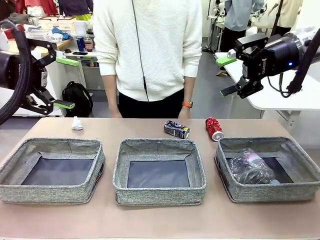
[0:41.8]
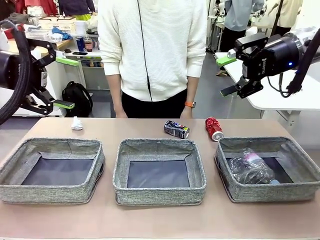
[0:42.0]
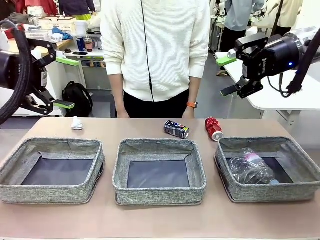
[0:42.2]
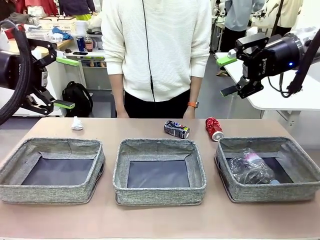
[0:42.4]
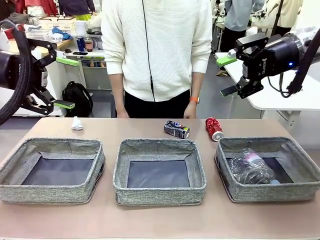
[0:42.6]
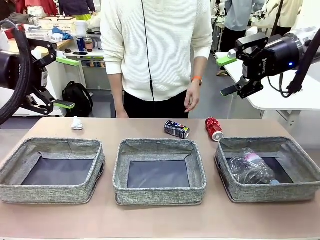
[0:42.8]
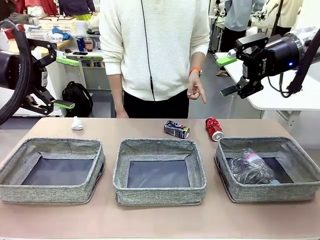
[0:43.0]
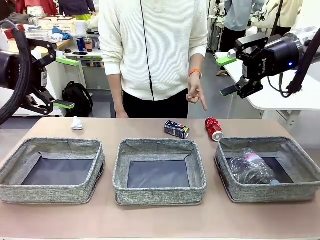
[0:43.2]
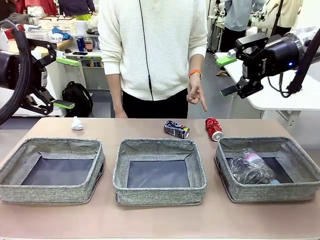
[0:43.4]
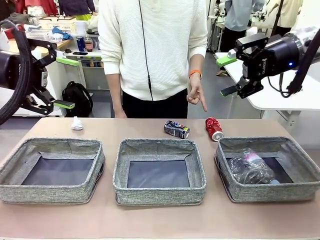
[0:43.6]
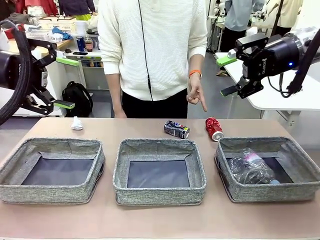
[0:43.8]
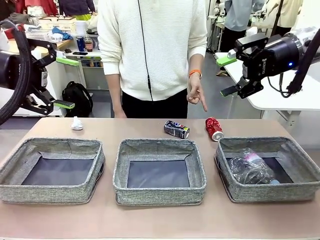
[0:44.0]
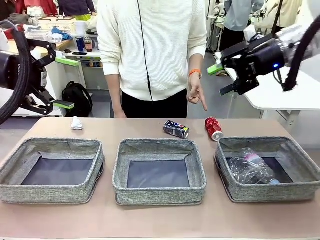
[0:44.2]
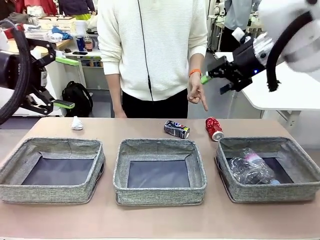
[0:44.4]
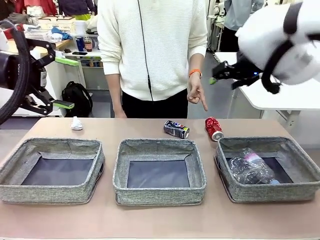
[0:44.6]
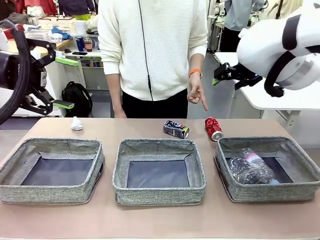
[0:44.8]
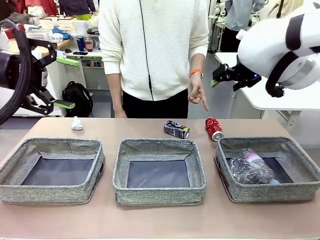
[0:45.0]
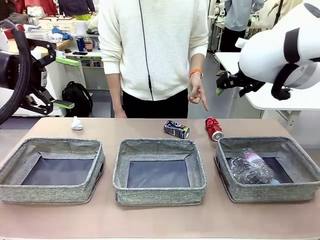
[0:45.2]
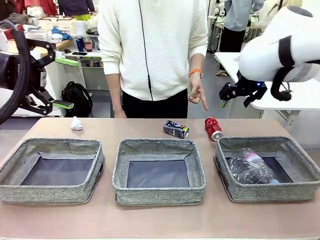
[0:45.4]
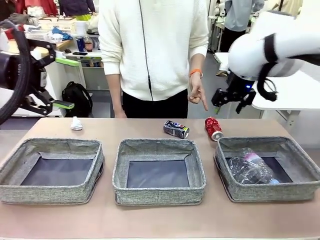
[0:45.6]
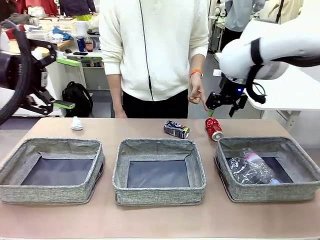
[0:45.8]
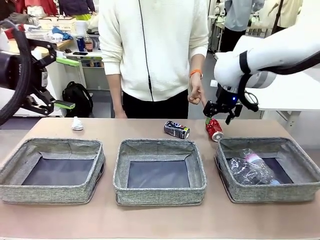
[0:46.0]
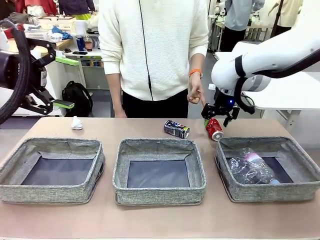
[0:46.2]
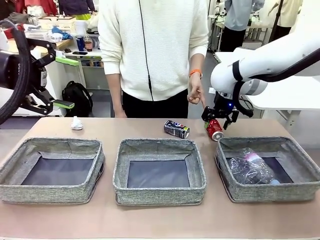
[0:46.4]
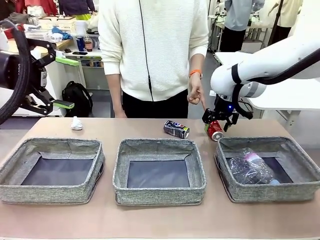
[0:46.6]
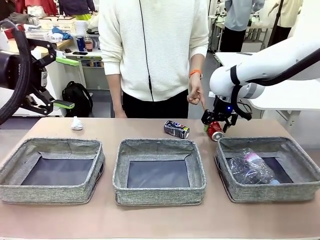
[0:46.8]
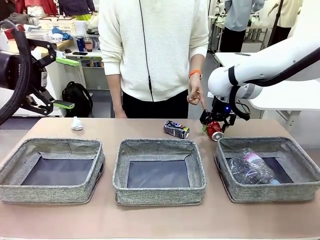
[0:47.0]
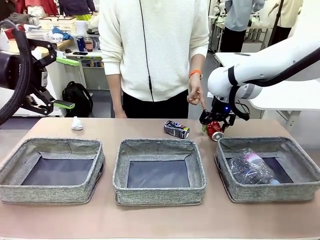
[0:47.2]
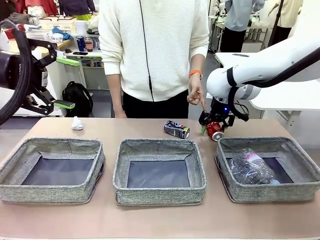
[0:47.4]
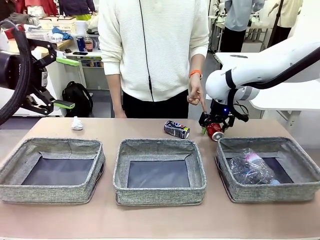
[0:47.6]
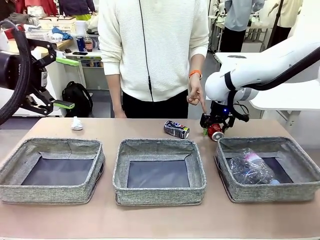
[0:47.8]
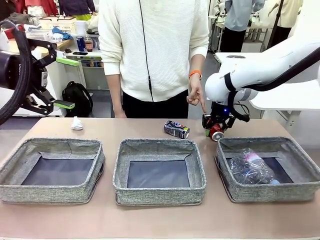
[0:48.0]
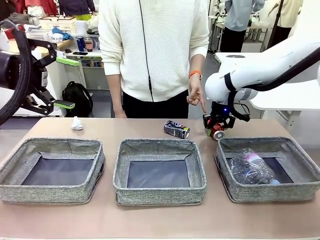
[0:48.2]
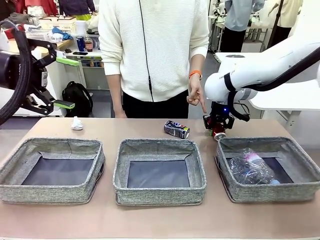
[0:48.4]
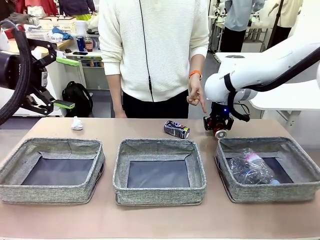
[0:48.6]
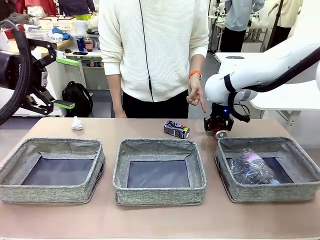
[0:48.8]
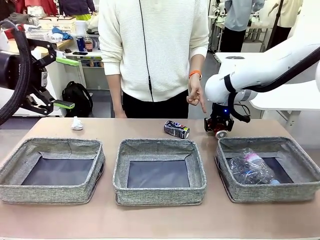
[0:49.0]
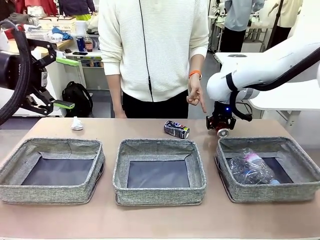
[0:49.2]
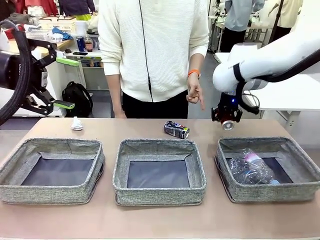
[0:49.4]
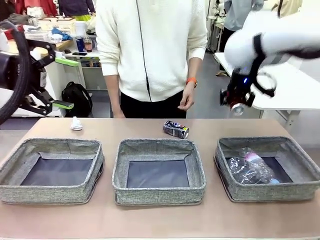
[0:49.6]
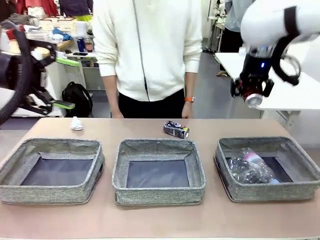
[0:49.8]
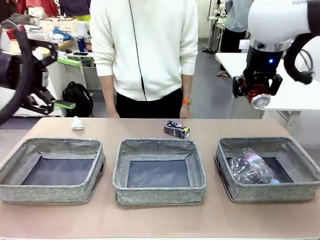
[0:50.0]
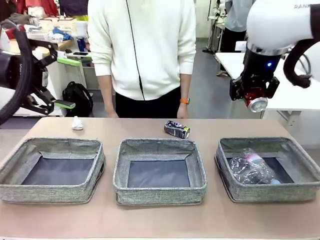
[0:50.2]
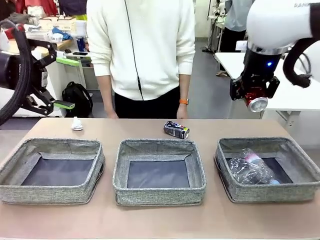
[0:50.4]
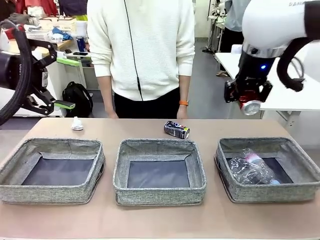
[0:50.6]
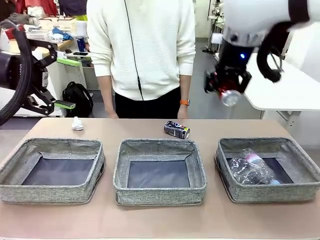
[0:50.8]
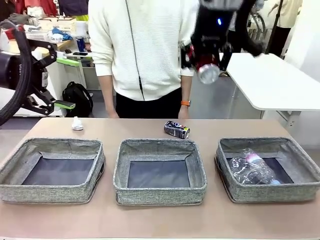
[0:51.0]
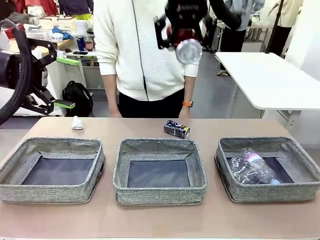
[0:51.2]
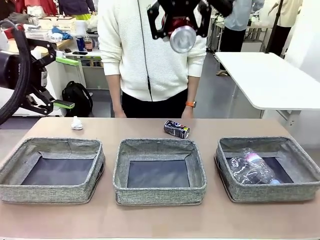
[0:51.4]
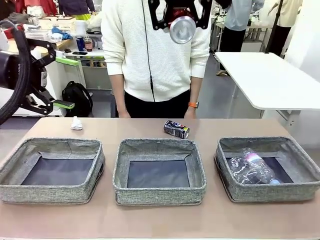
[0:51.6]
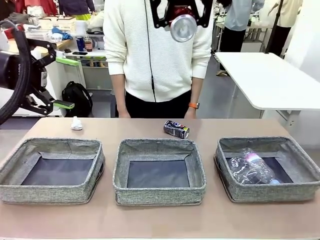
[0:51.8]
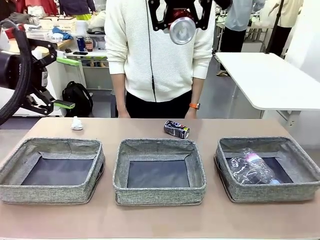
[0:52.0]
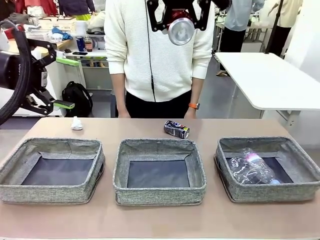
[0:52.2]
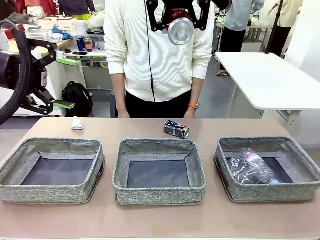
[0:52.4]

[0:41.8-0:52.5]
Task: Sort the waste into the appropriate baskets.
Robot: Pick up the waste item pointed out by the person.
Person: Points to one piece of trash on the table.

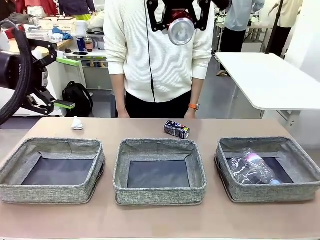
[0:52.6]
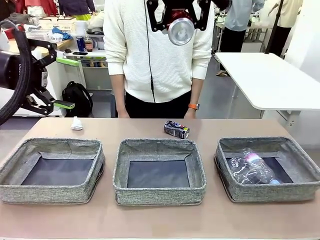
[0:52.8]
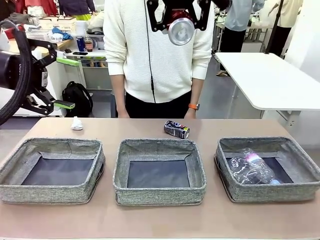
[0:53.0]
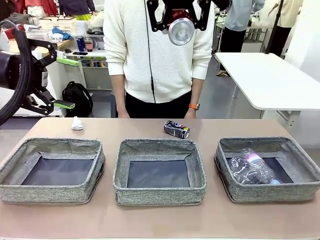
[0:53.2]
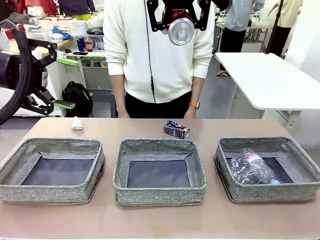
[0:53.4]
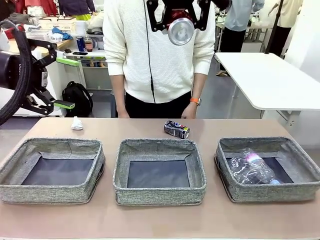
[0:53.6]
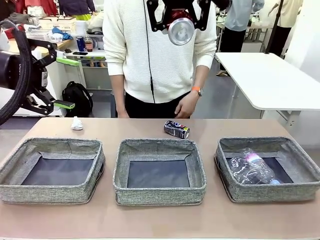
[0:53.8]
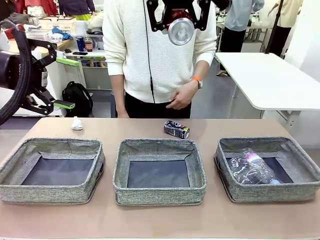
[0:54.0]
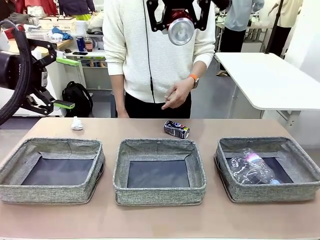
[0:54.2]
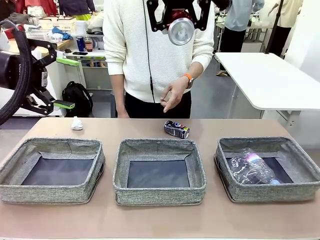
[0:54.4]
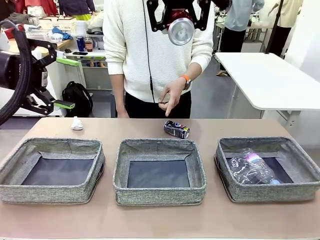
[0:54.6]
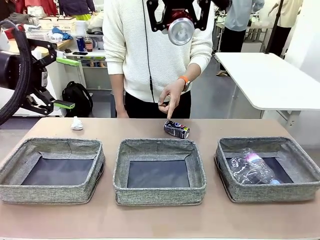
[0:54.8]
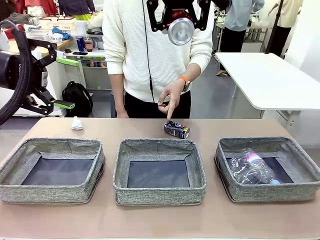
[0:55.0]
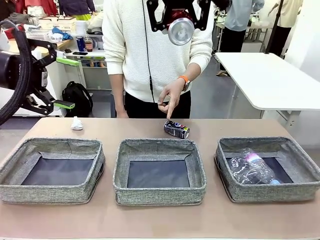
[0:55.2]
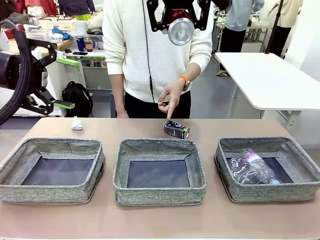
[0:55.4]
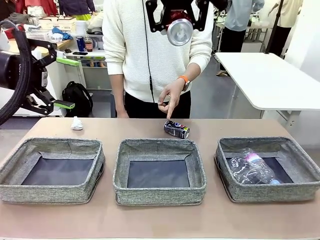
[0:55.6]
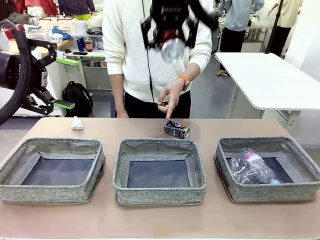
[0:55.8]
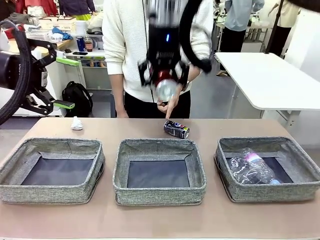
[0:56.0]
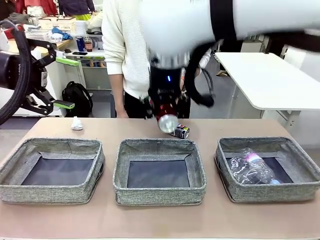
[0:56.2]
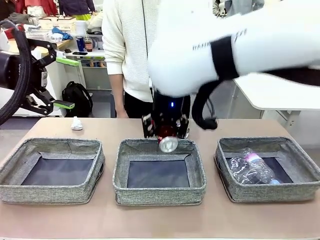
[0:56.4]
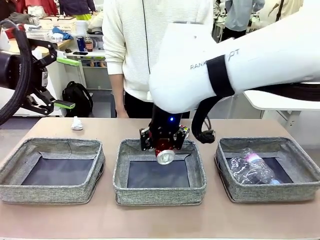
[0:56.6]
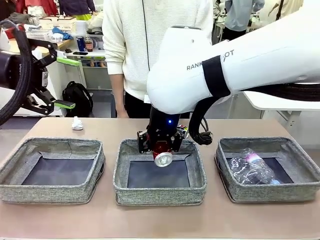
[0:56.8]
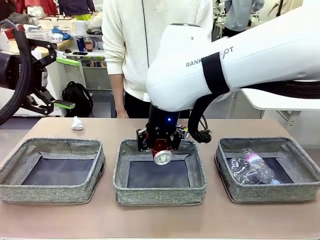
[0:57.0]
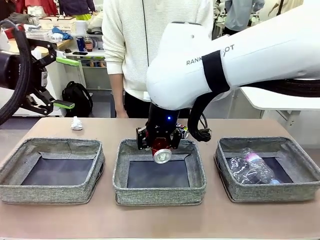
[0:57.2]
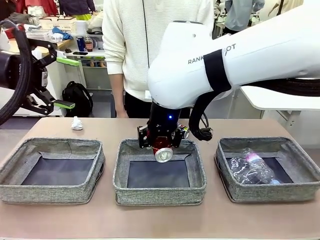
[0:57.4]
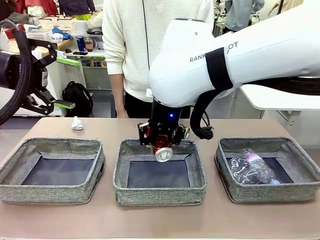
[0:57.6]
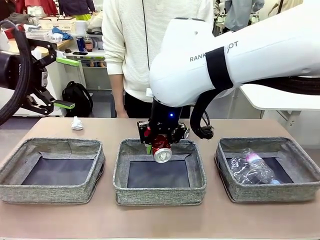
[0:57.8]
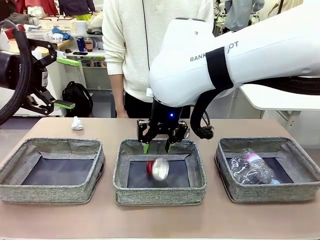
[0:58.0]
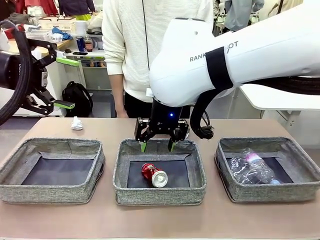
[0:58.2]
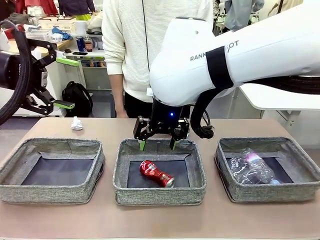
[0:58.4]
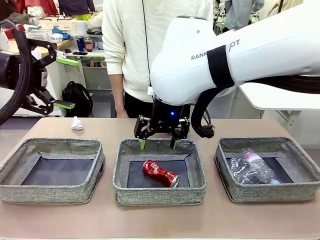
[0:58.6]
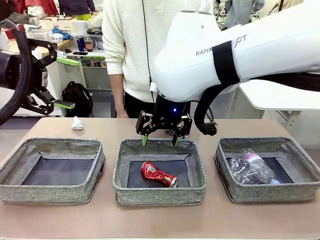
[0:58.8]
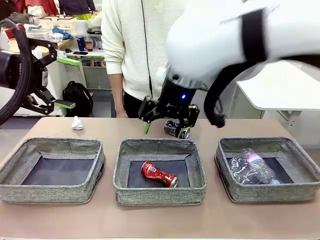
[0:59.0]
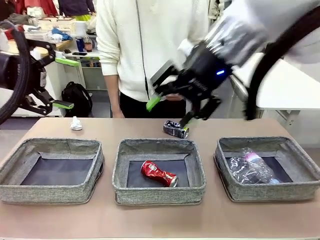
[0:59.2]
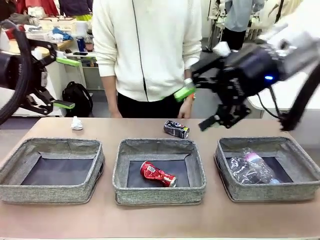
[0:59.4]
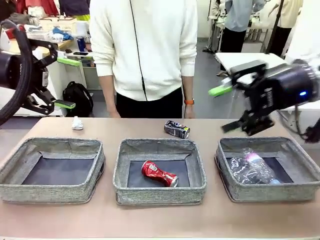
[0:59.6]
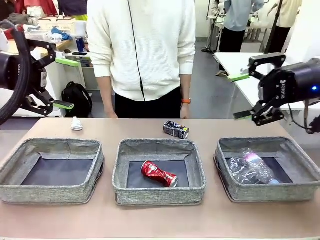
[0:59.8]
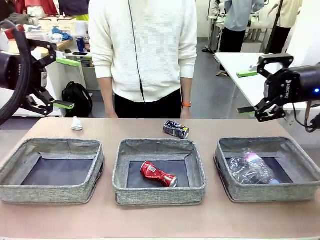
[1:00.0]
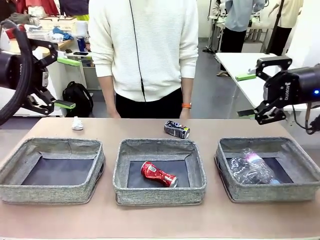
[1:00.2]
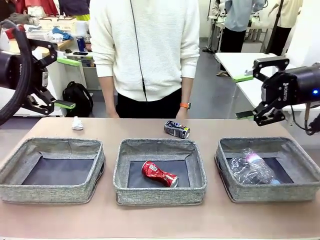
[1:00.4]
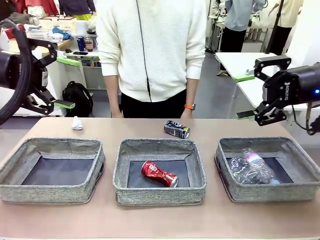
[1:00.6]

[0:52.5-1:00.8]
Robot: Place the picked waste into the Fabric basket indicated by the person.
Person: Instructs the robot to place the picked-up trash into the appropriate organizing basket.

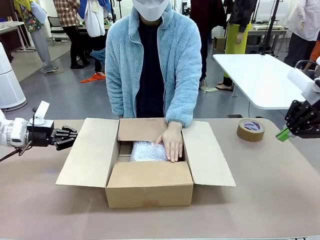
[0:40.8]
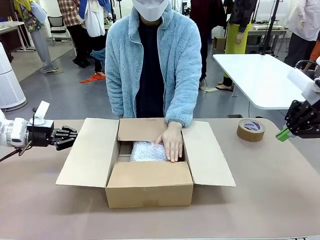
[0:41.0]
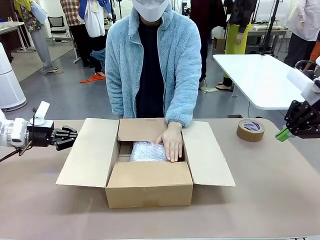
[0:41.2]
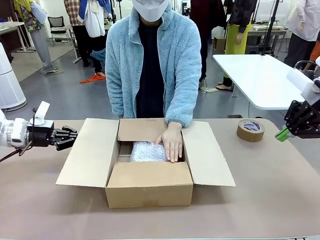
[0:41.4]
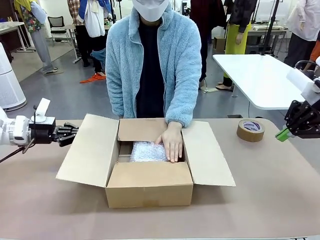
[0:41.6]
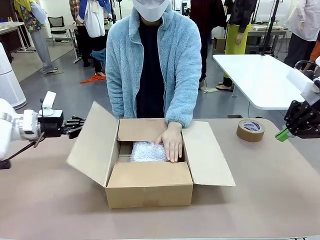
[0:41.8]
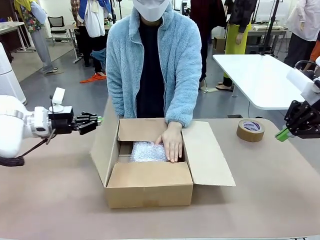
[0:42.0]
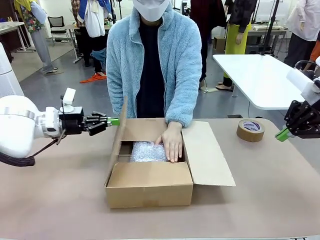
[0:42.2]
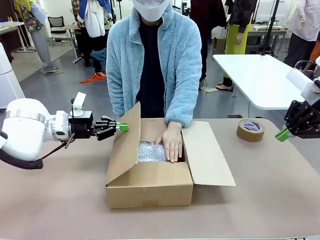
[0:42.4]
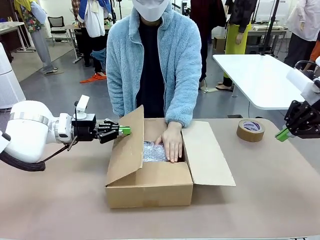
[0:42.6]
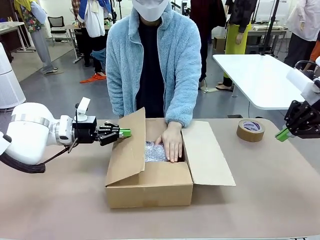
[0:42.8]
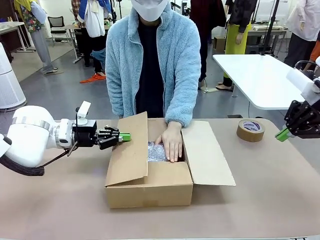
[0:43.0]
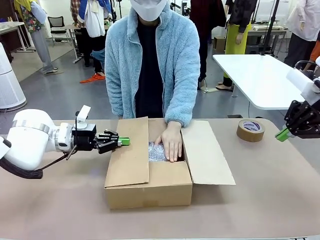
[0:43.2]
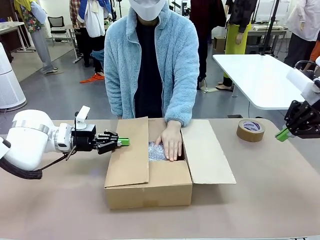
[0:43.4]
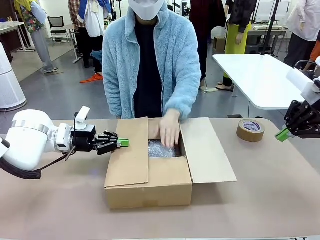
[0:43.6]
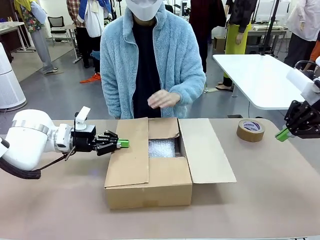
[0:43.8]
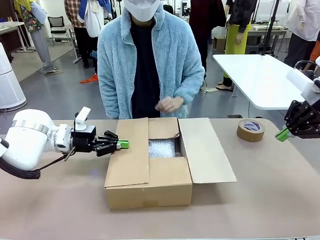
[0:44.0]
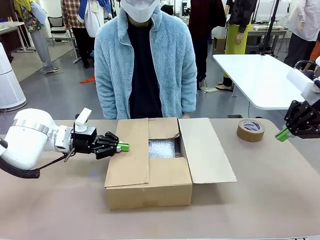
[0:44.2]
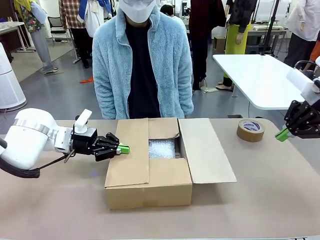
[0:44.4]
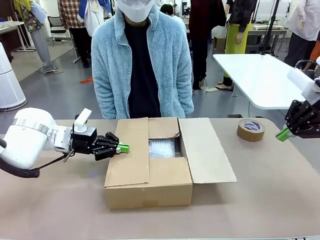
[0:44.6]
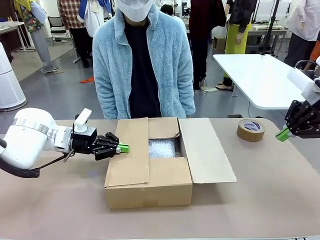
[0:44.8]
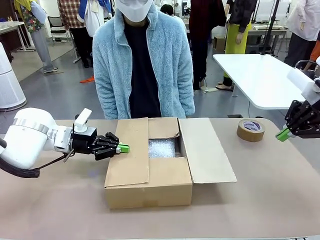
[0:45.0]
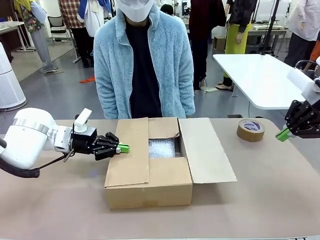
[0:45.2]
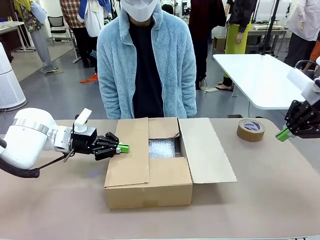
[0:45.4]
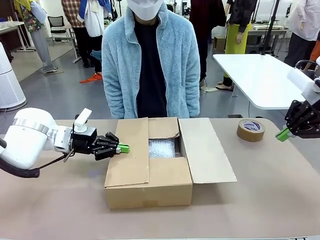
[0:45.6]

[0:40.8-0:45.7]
Task: Wrap the clocks to prevent damage.
Robot: Push the right (or left) flap of the Package Box to close it.
